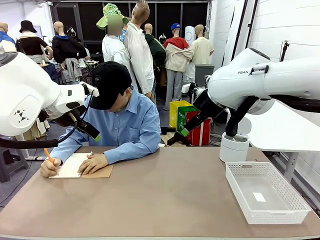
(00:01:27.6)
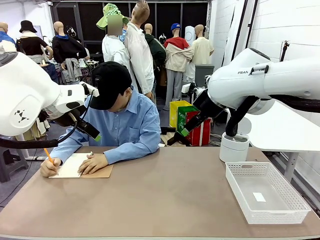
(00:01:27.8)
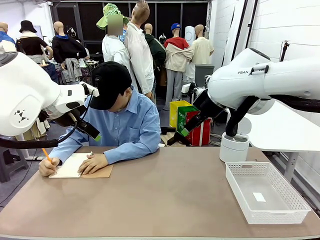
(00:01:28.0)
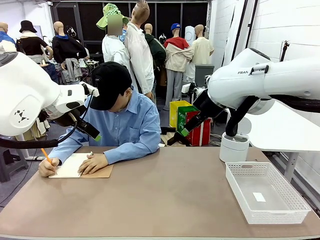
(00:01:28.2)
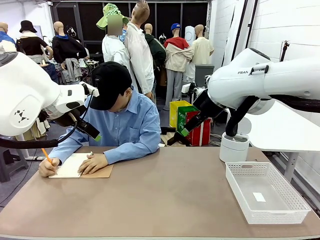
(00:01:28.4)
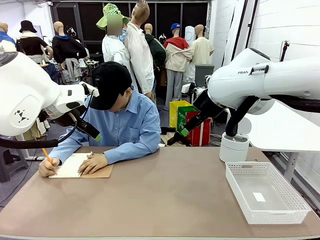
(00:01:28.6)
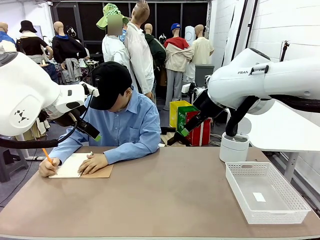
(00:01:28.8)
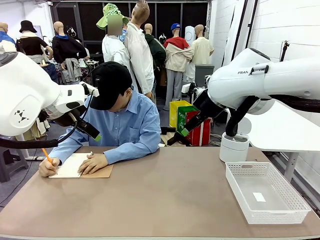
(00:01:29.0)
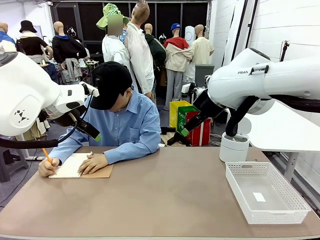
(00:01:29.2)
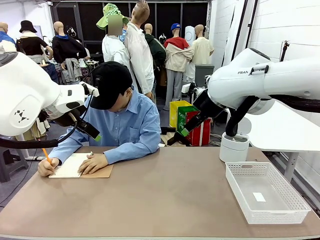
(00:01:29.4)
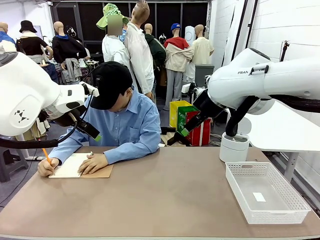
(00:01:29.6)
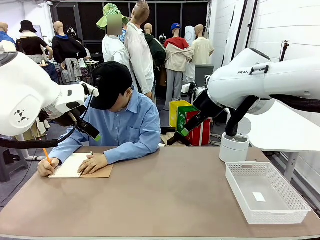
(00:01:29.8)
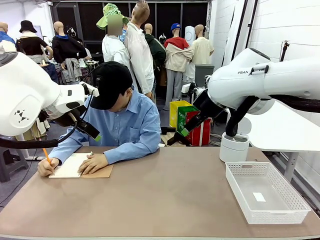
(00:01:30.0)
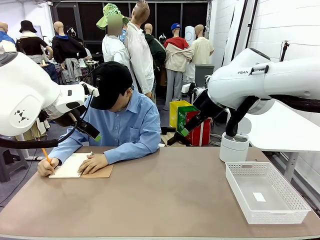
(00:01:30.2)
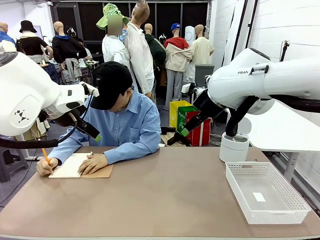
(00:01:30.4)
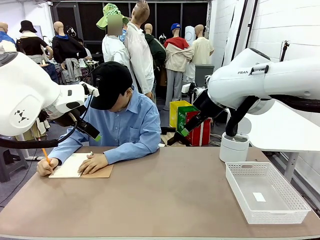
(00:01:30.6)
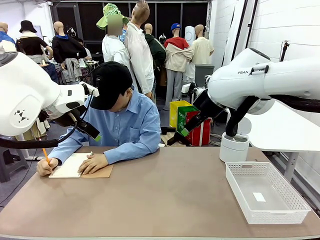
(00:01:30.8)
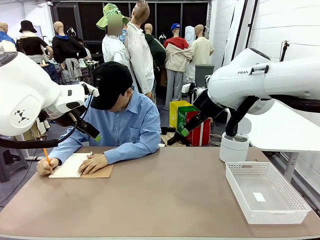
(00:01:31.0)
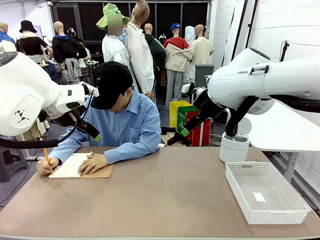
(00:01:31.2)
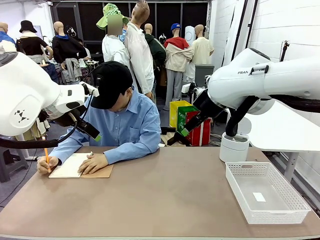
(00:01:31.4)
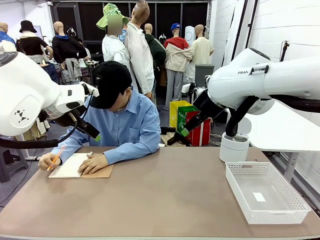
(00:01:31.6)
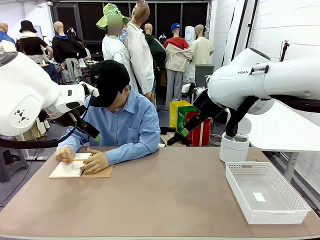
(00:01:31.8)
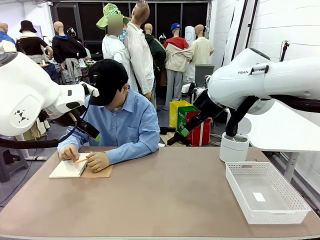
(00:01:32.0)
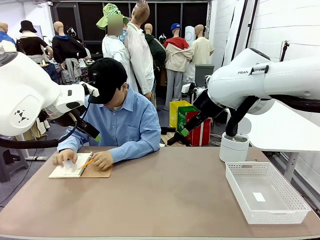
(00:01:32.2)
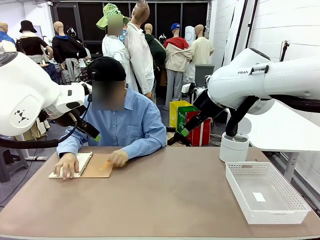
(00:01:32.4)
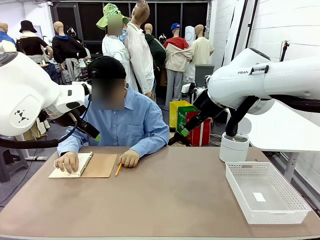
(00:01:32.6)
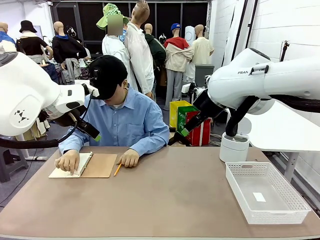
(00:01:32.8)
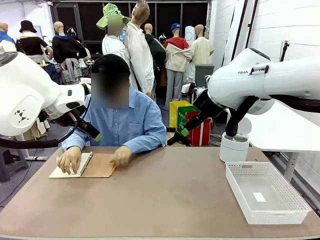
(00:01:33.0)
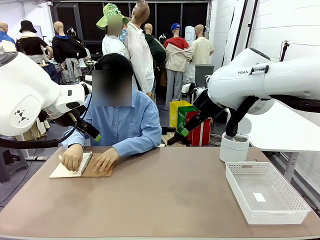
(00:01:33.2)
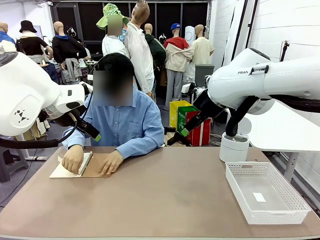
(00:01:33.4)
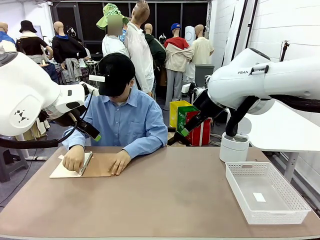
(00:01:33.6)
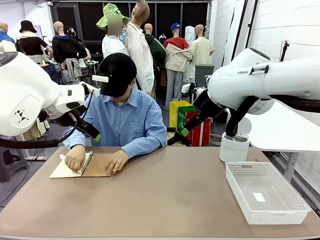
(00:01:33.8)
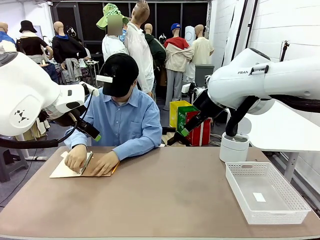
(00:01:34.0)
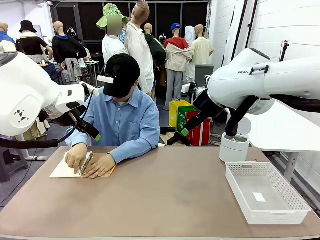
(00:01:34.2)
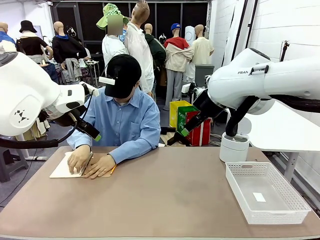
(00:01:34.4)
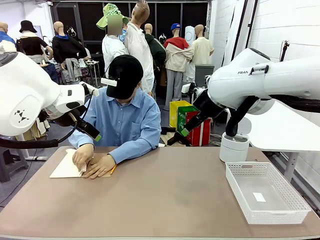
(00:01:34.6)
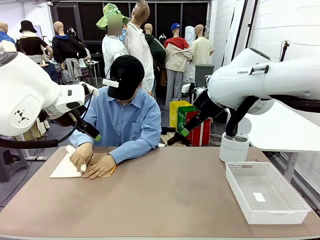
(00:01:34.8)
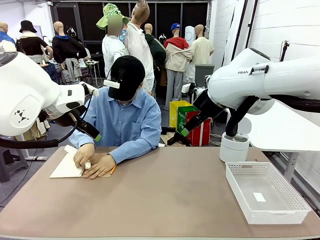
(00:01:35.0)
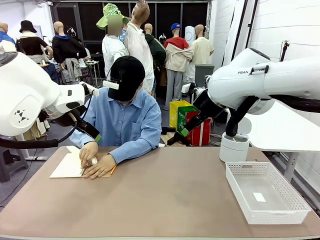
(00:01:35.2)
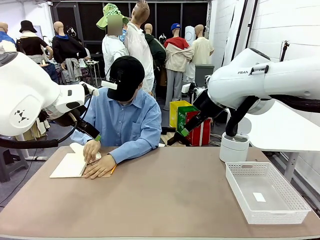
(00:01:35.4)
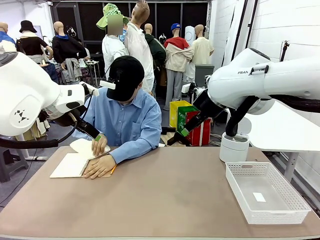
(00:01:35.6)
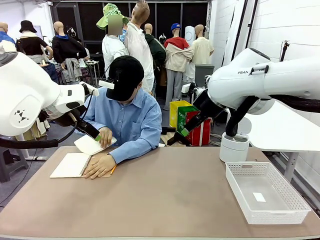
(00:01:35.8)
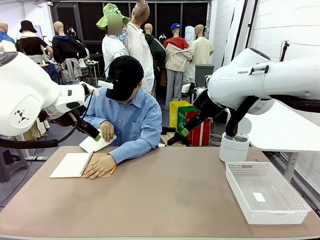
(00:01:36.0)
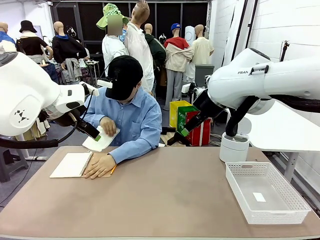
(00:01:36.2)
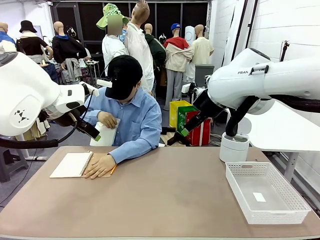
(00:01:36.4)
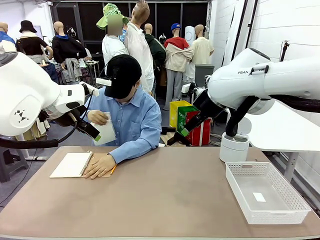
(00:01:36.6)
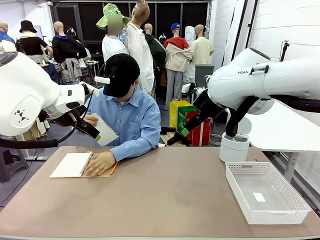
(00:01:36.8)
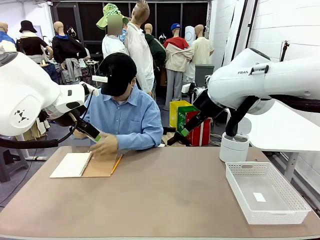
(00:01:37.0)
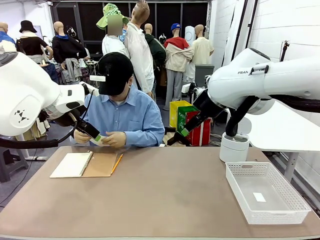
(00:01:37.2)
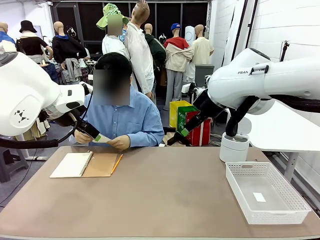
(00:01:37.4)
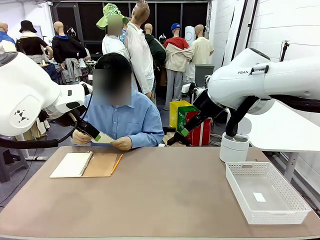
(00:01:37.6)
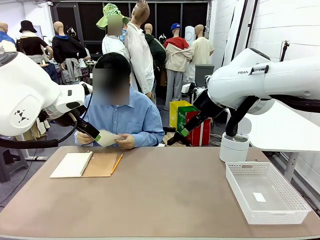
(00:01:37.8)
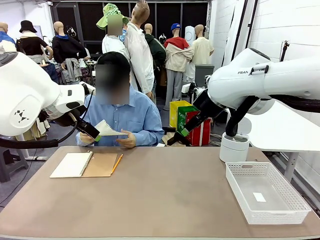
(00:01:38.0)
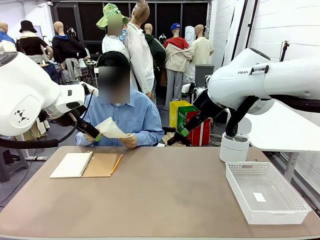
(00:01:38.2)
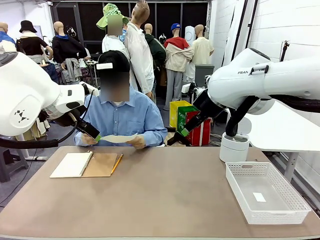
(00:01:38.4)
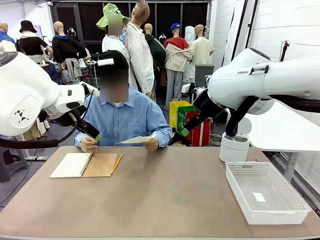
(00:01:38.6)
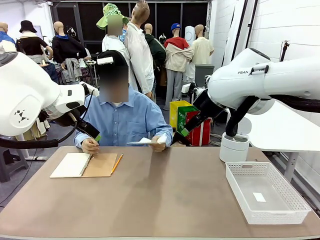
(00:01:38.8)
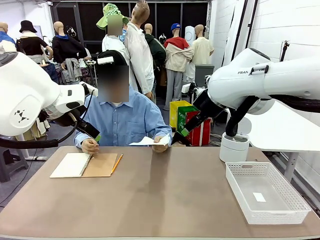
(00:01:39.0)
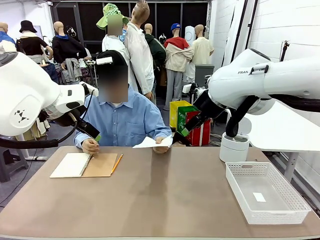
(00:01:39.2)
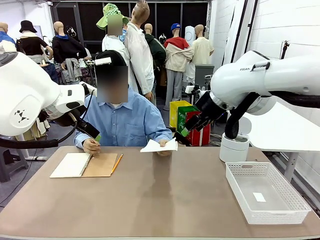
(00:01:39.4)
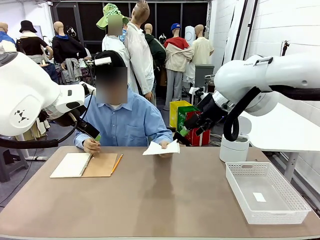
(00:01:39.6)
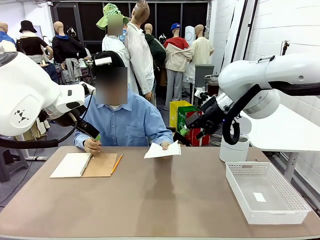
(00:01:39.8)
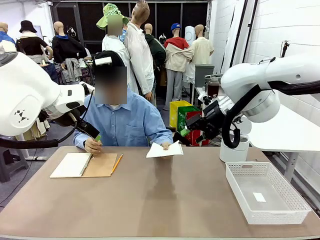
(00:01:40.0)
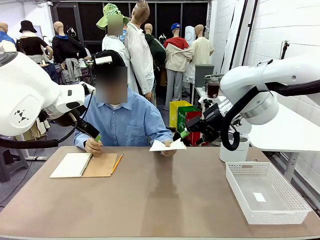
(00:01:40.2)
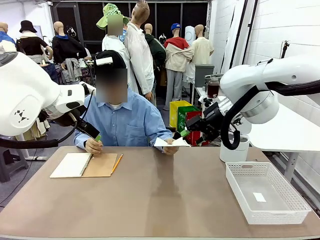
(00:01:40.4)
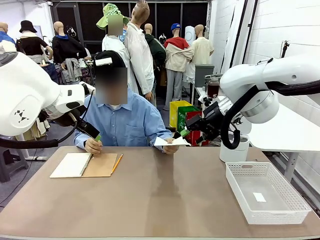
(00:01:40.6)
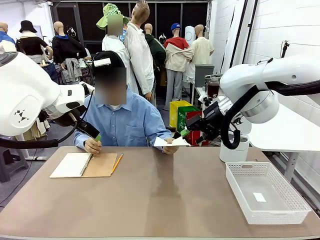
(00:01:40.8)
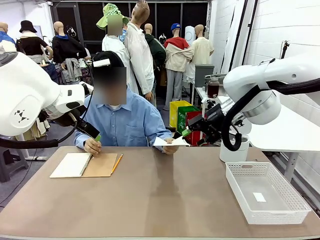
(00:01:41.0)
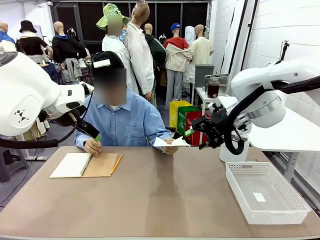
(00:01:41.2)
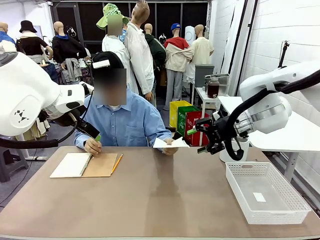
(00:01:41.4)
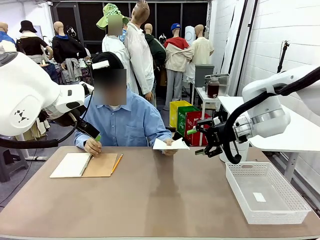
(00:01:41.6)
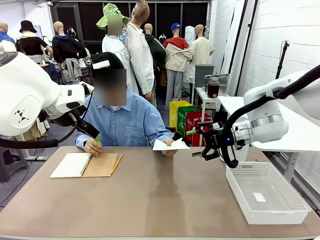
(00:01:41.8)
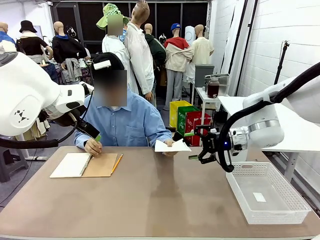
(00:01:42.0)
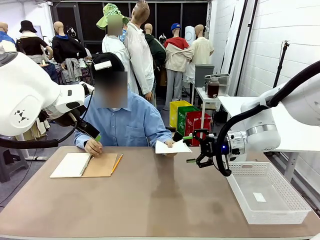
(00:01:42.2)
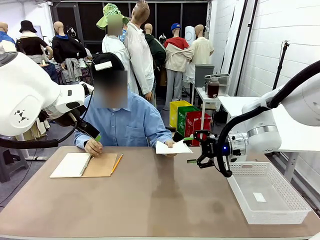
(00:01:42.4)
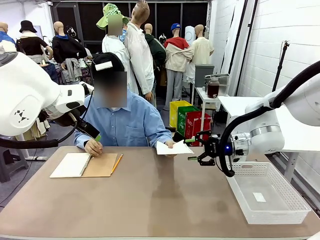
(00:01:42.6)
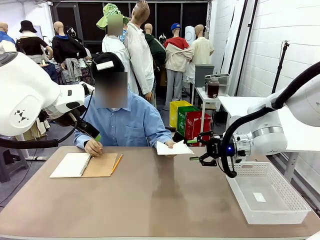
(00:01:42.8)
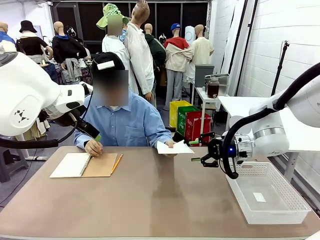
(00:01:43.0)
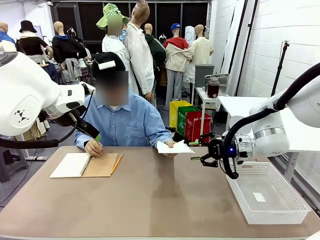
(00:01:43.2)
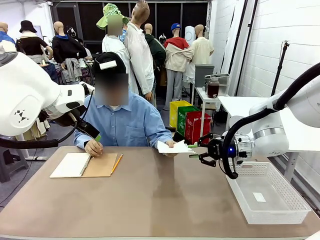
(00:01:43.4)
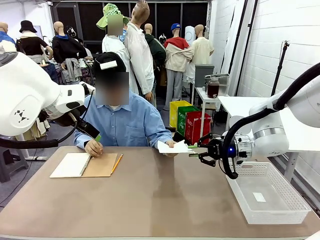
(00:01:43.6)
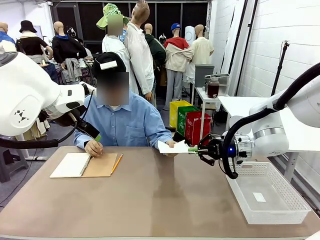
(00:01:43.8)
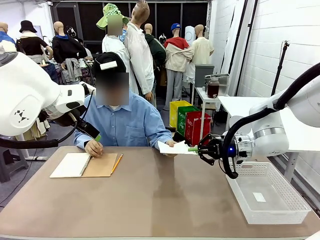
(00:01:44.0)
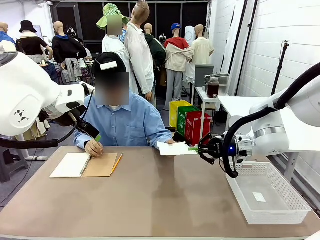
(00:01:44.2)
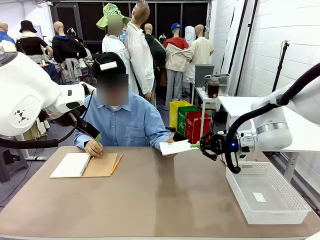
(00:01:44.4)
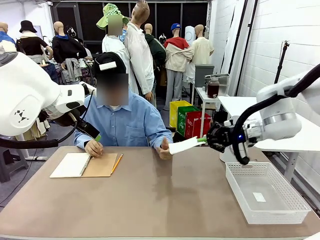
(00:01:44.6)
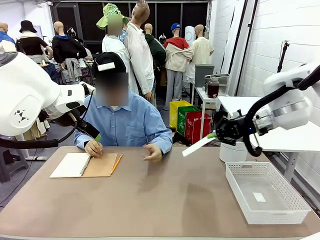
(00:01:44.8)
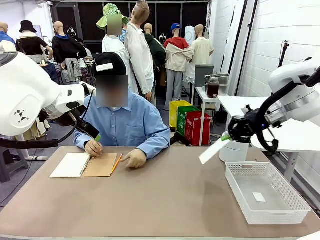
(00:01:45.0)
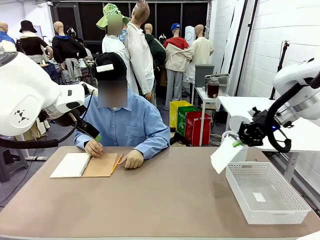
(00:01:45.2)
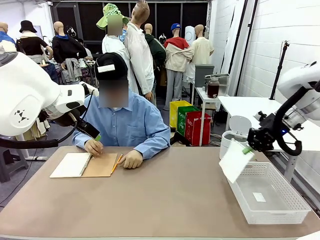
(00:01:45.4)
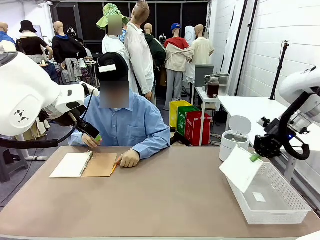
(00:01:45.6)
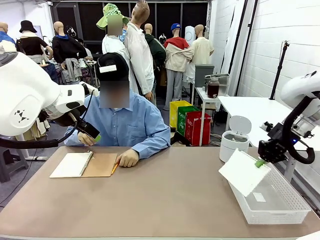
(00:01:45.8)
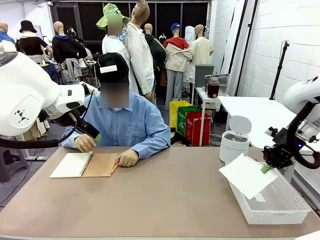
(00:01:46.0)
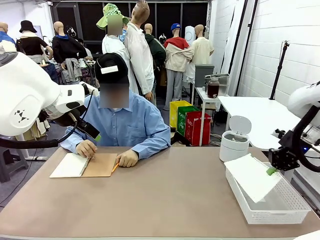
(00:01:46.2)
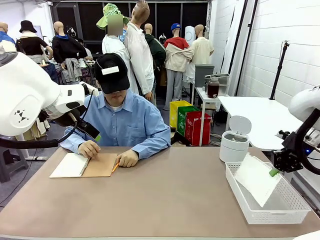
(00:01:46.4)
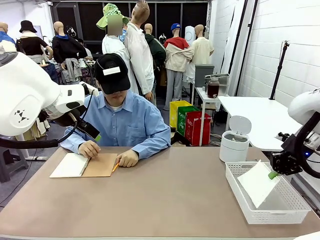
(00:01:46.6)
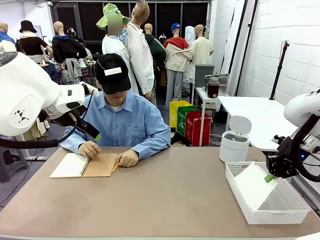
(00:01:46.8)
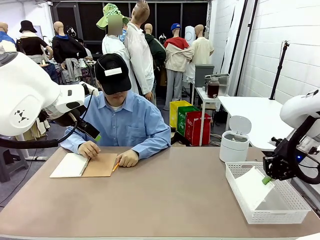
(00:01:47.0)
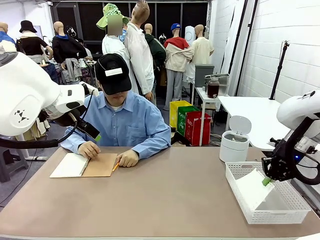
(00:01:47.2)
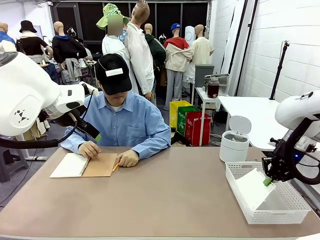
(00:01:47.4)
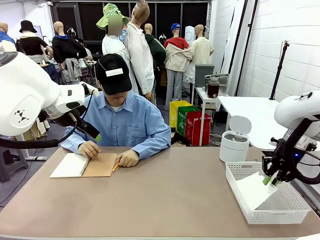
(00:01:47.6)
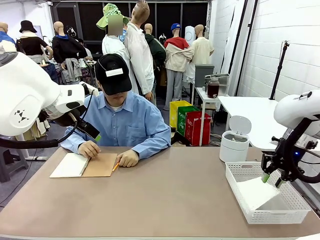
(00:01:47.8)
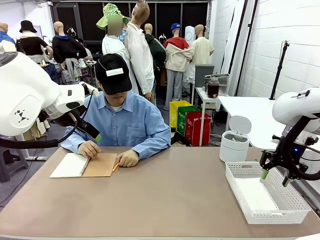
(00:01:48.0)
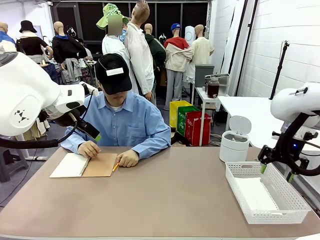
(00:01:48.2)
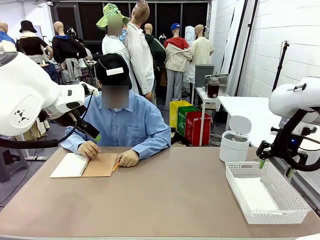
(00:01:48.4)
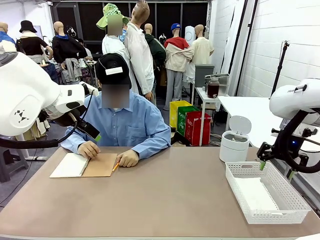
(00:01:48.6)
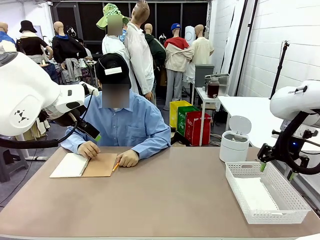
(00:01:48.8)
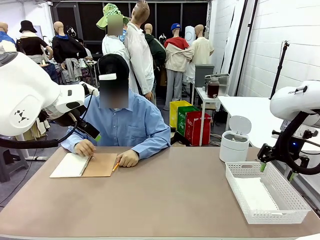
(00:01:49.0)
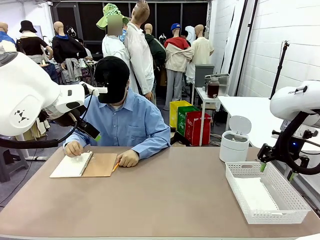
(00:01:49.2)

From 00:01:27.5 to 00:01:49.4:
Task: Sort the paper based on its condition.
Robot: If a person hands you a paper, place it in the Organizing basket , and if it's crumpled, put it in the Trash can.
Person: Hand the torn page to the robot or crumple it and throw it to the center of the table.
